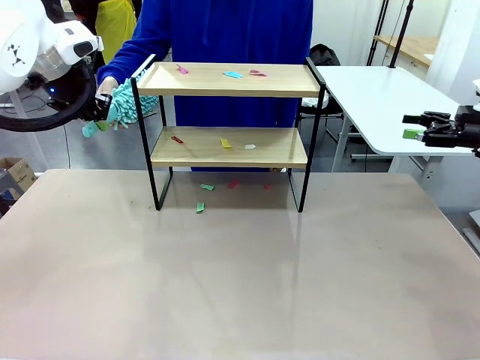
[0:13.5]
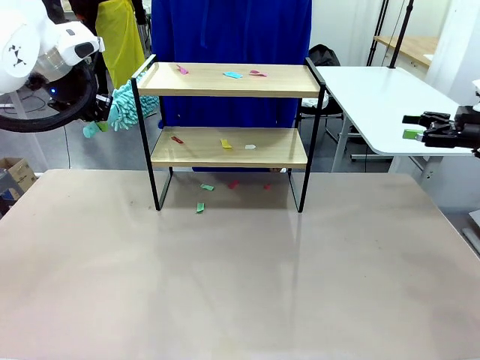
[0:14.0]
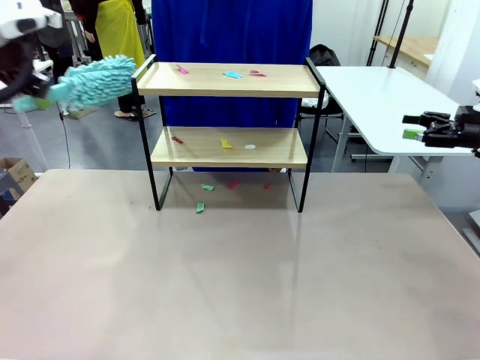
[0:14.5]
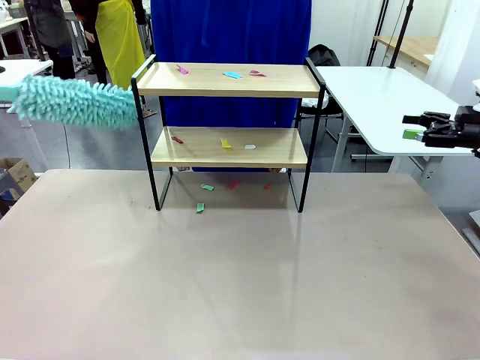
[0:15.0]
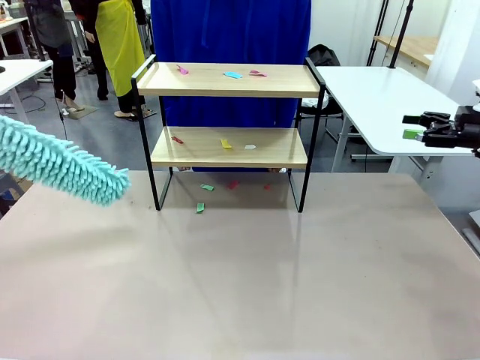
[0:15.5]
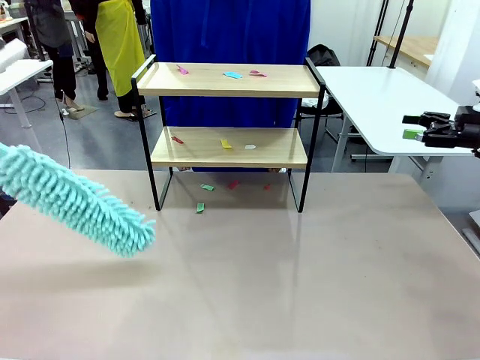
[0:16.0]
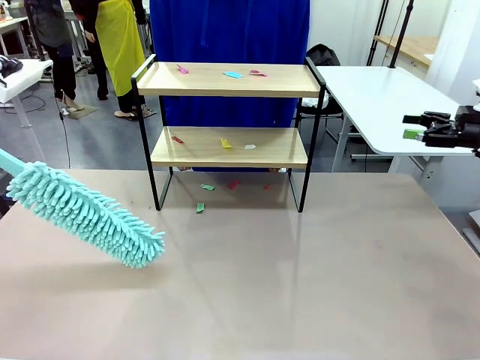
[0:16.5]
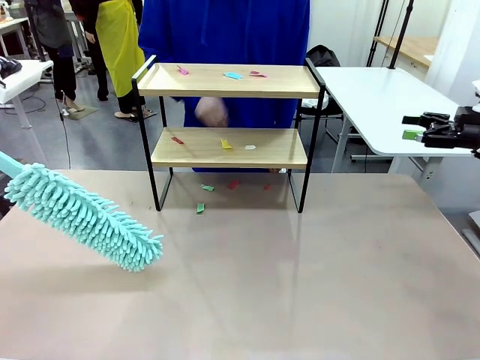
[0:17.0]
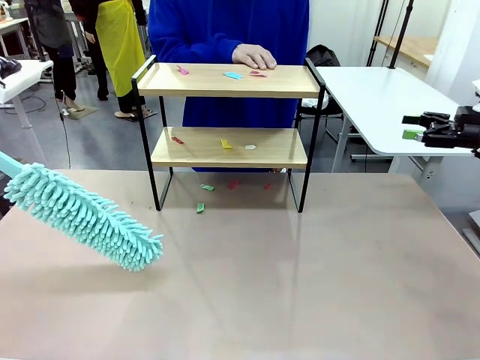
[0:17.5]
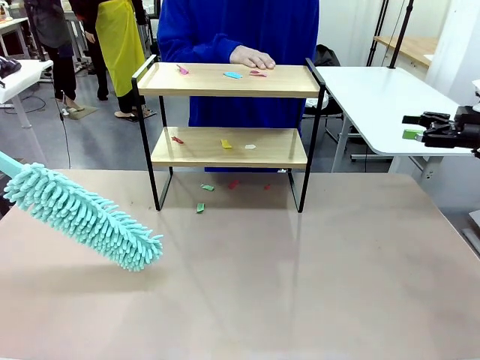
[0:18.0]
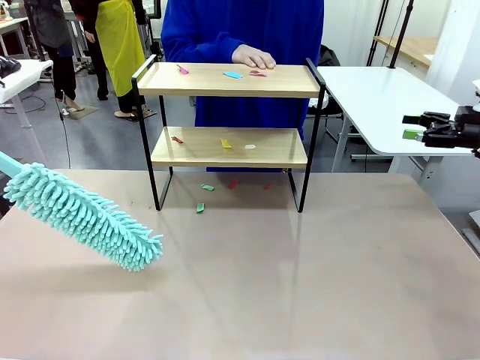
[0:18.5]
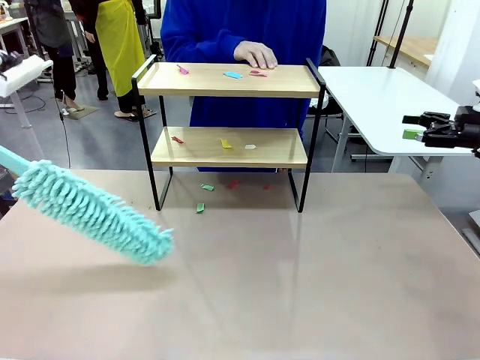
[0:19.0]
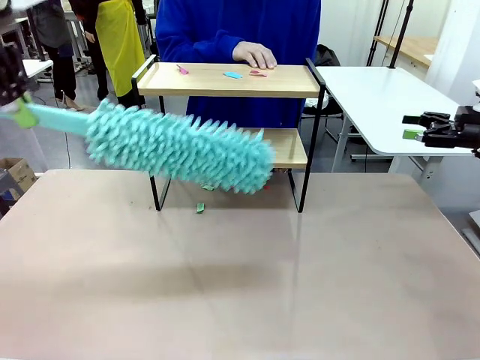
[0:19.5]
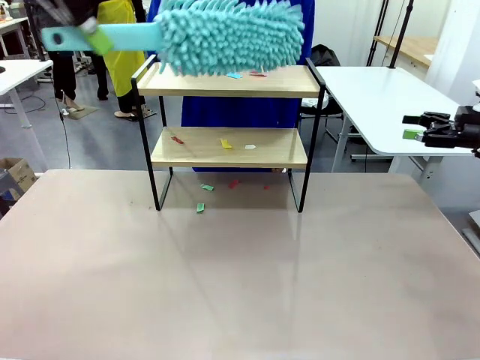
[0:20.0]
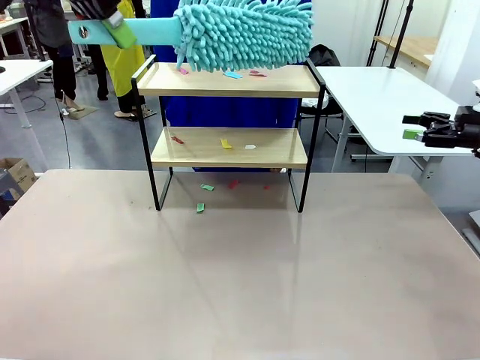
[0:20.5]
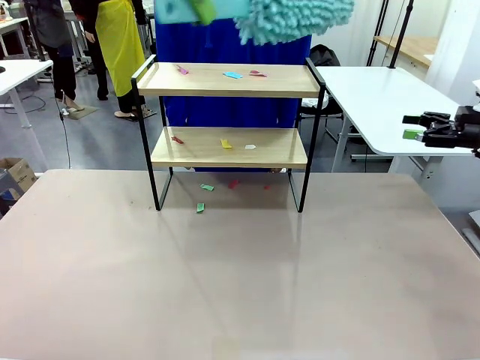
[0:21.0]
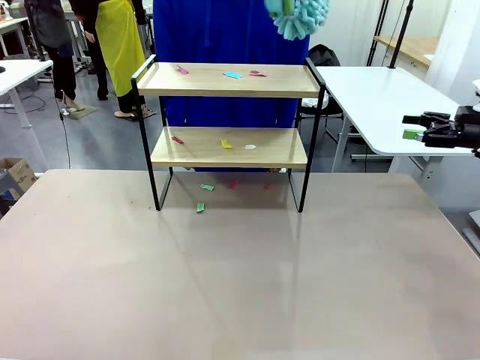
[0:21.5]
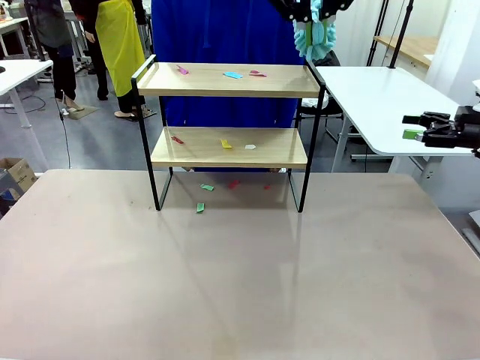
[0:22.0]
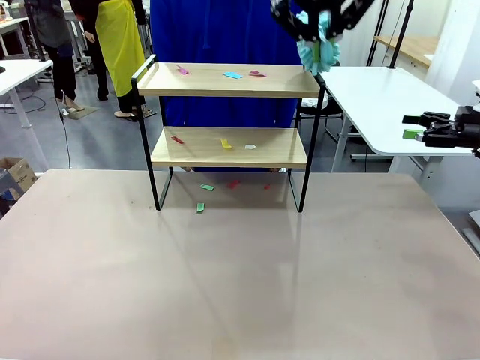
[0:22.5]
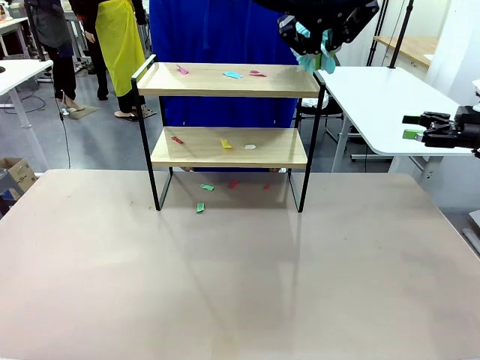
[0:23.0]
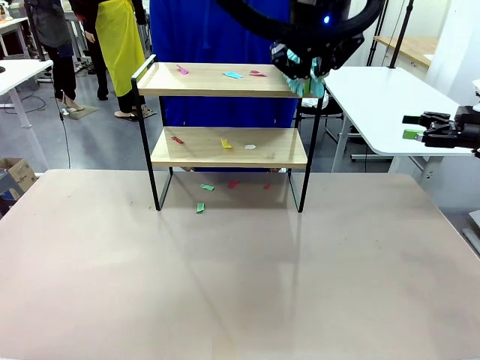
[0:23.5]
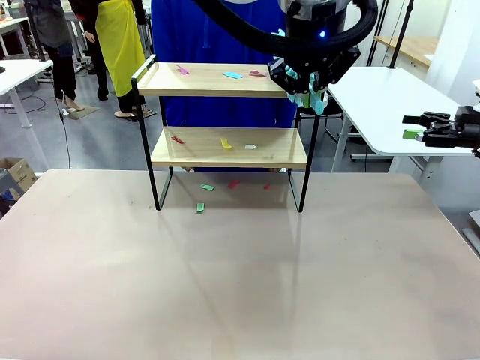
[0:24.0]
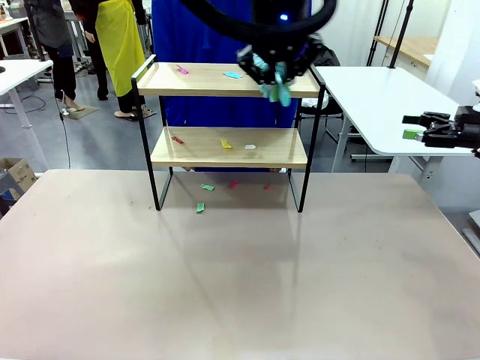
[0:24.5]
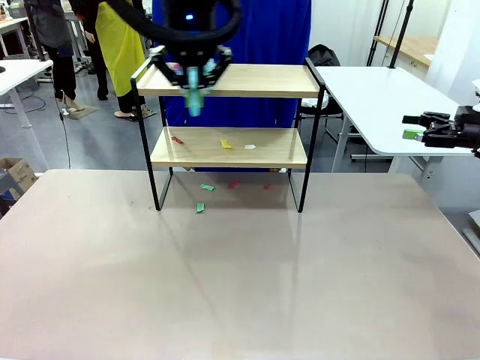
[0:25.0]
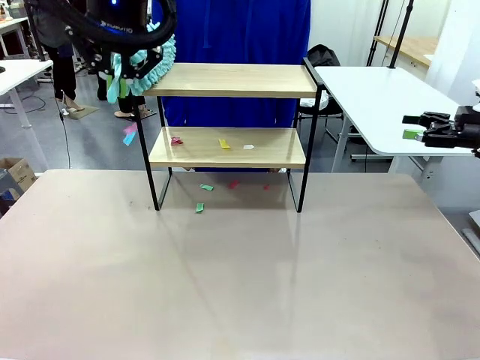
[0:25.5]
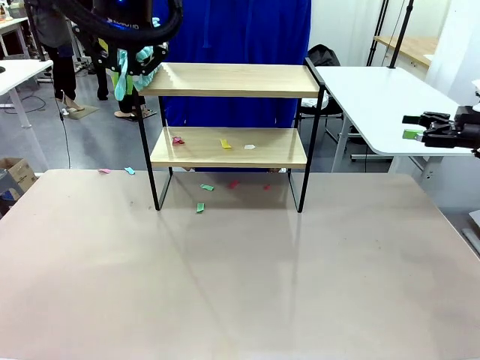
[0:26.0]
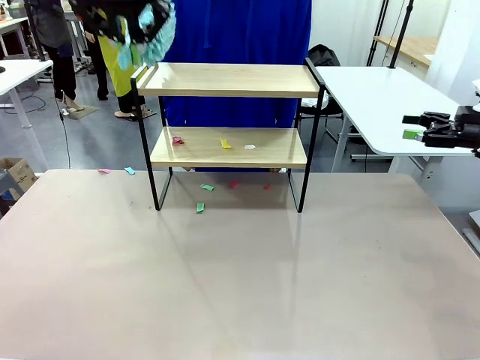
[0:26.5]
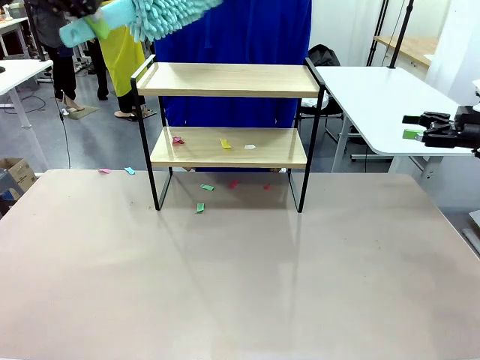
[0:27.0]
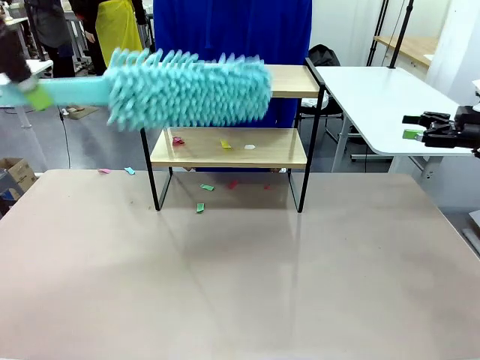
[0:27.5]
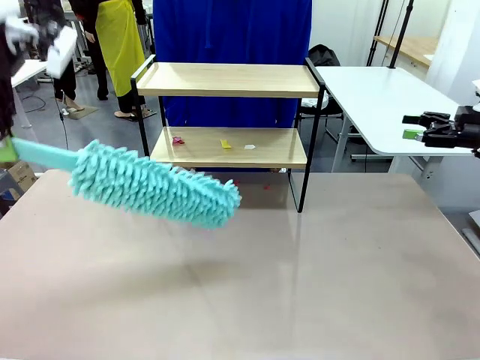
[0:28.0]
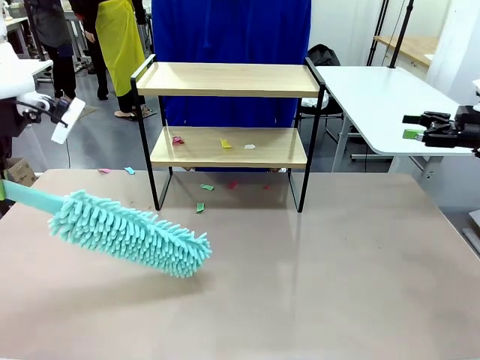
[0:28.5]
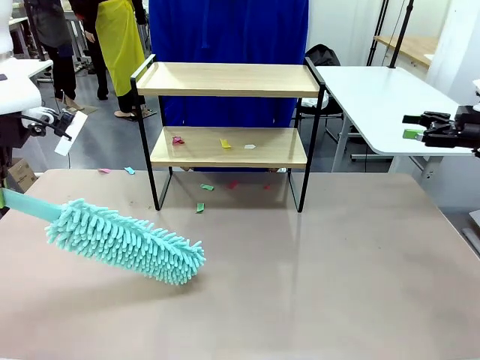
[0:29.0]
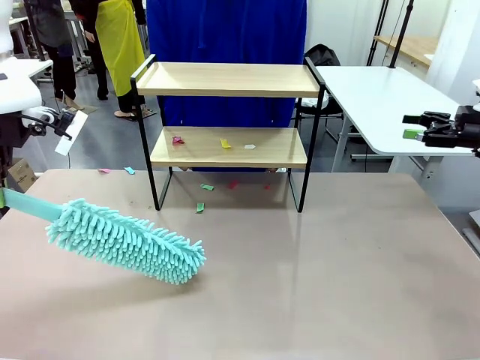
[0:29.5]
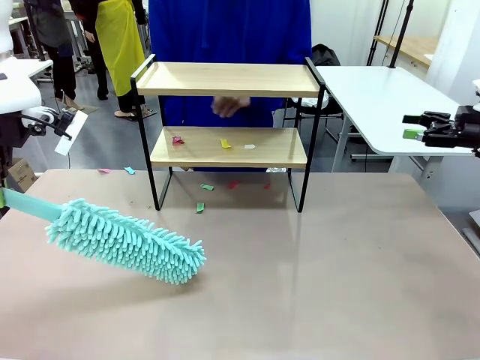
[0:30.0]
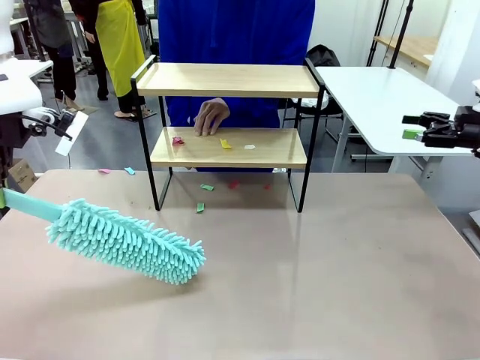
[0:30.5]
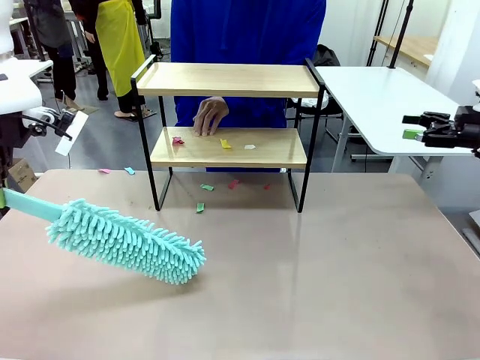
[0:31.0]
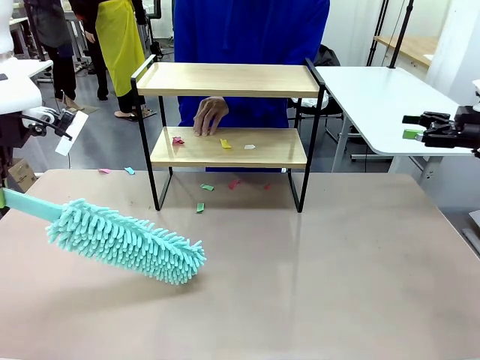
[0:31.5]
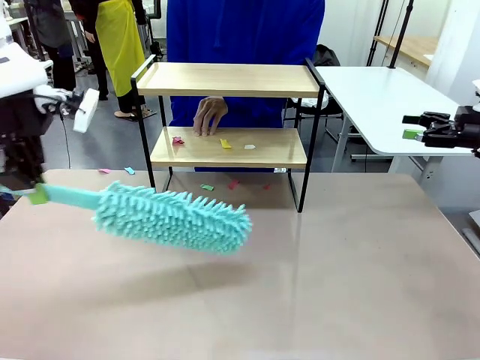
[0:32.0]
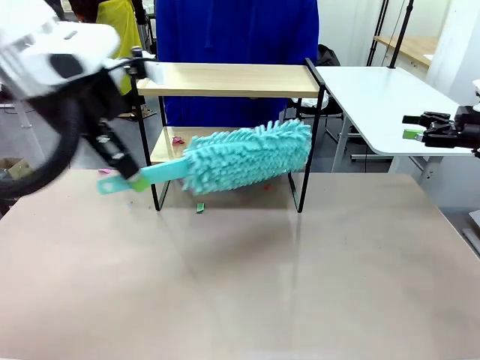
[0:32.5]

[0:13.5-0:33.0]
Task: Clean the shelf.
Robot: Clean the specific section of the Shelf indicated by the human with the Duster.
Person: Point a random section of the Shelf.

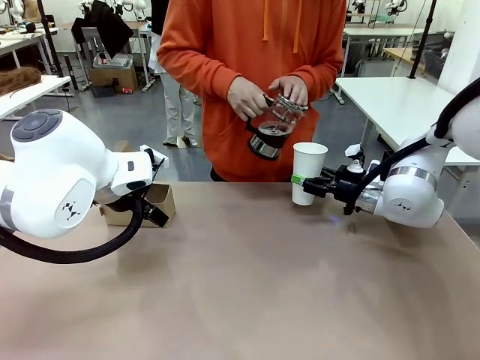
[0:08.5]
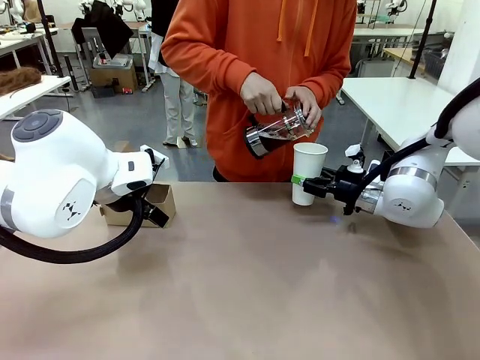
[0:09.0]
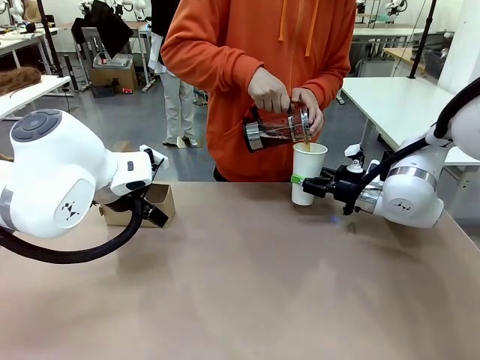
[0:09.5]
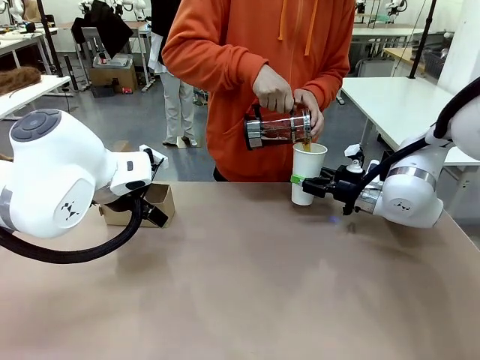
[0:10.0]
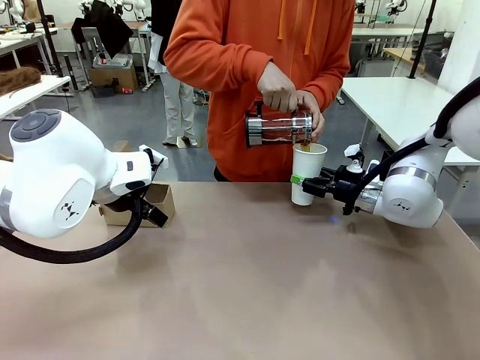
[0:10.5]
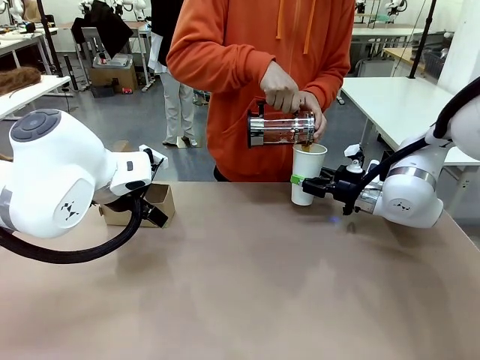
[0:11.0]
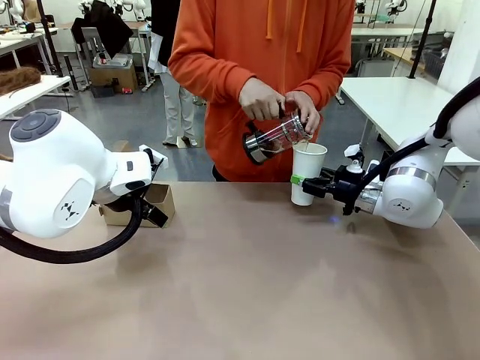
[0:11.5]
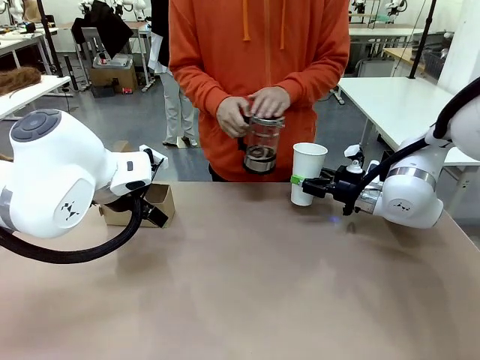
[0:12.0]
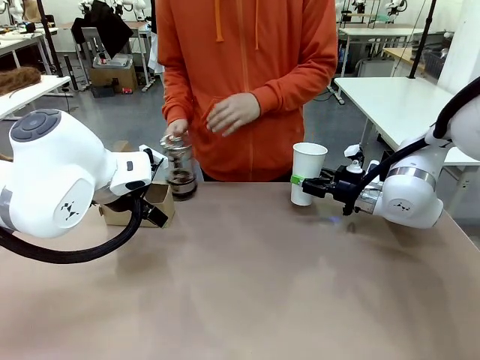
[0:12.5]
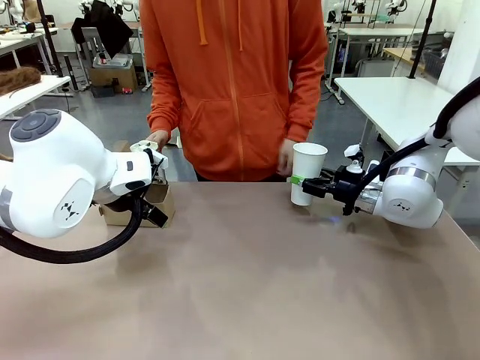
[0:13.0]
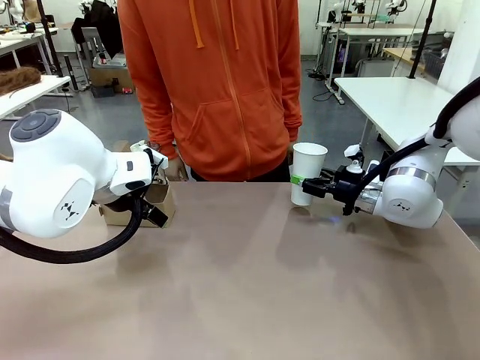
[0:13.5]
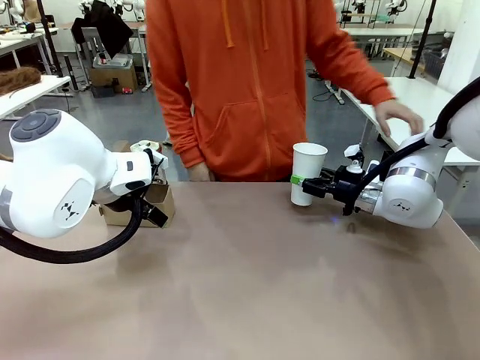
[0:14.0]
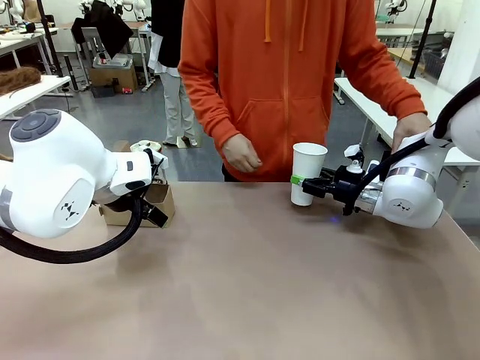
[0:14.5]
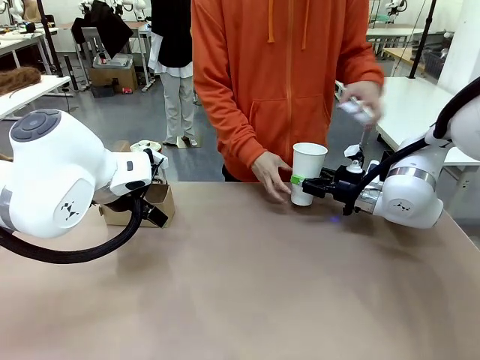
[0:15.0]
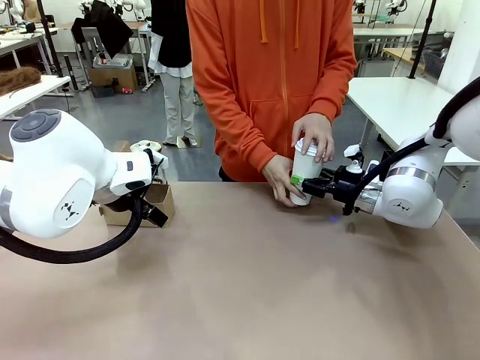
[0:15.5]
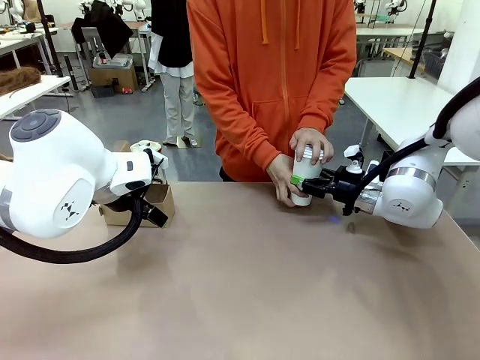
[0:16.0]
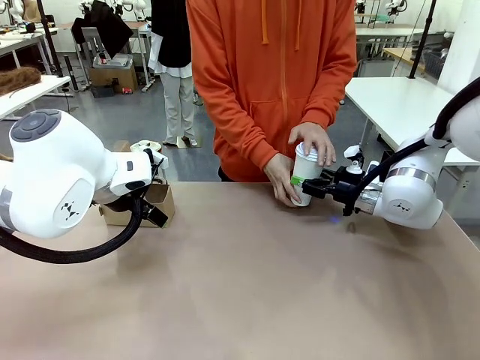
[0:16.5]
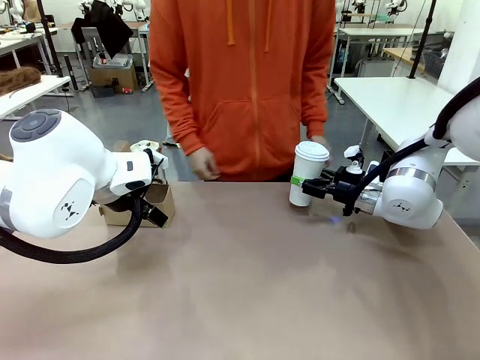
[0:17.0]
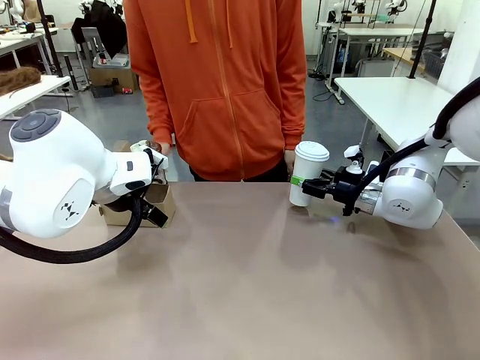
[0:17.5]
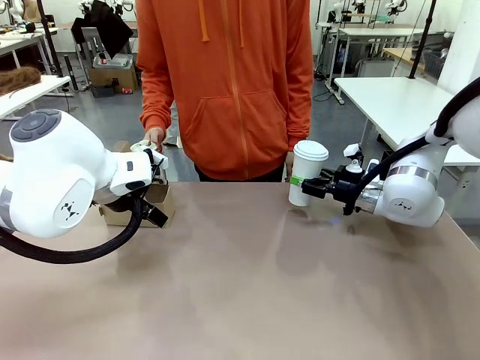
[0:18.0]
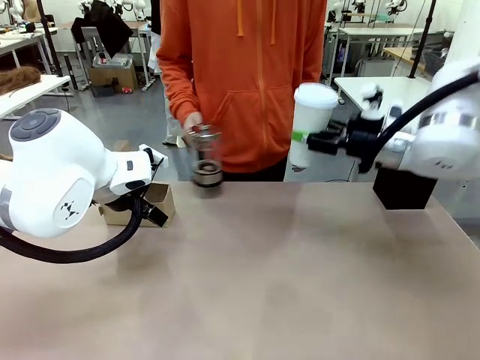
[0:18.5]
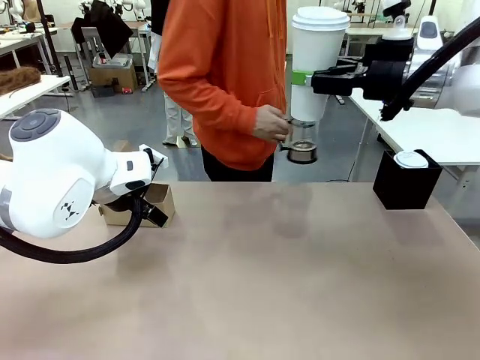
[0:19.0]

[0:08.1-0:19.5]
Task: Pour a drink into a cup and package it in a carrier.
Robot: When a person places the Paper Cup Lid on the 600 ml Paper Cup , lift the 600 ml Paper Cup.
Person: Pour the drink from the Filter Brewing into the 600 ml Paper Cup. Place a Paper Cup Lid on the 600 ml Paper Cup.
